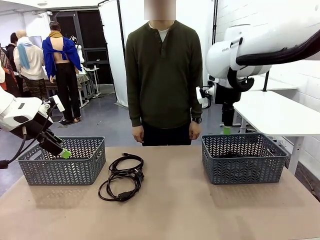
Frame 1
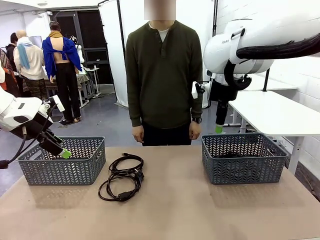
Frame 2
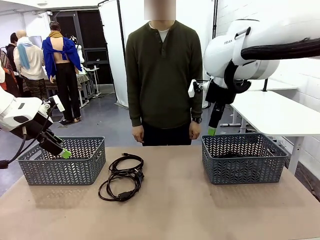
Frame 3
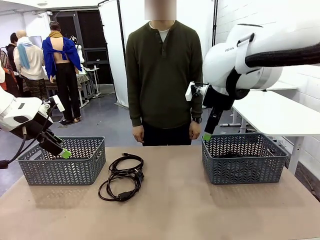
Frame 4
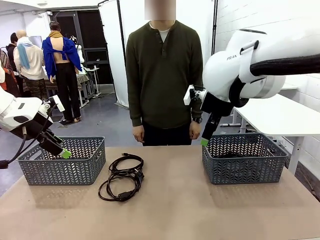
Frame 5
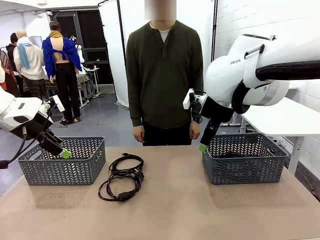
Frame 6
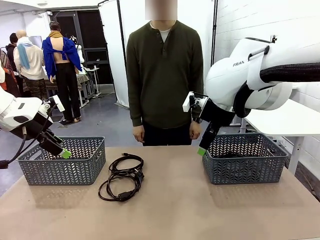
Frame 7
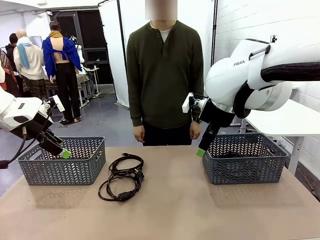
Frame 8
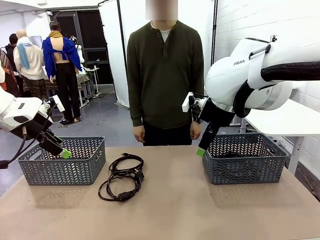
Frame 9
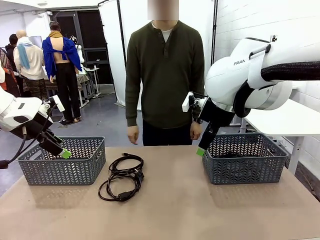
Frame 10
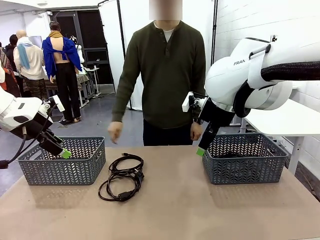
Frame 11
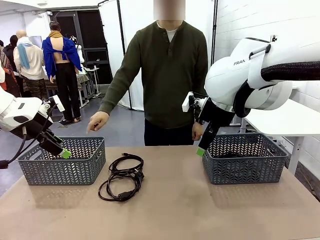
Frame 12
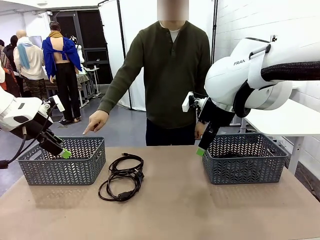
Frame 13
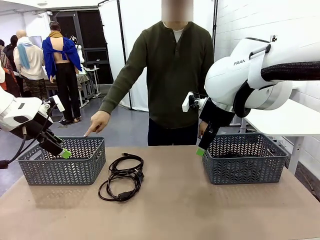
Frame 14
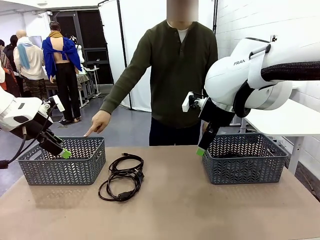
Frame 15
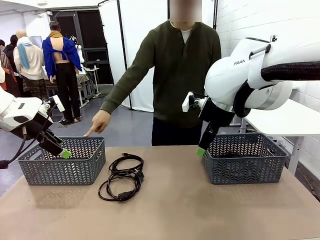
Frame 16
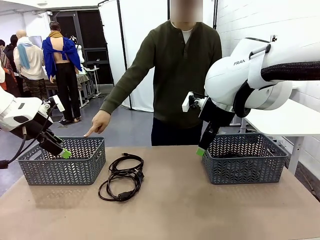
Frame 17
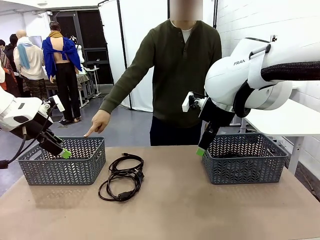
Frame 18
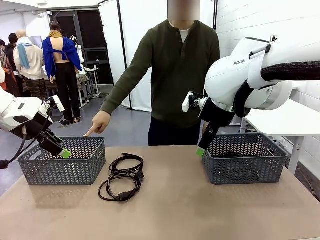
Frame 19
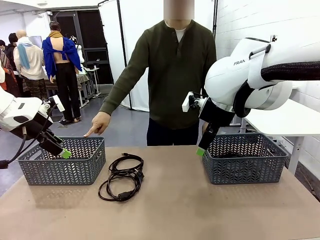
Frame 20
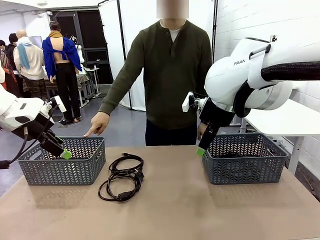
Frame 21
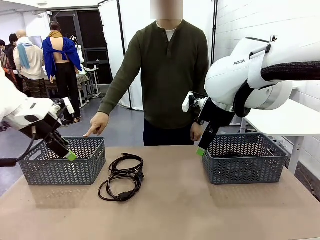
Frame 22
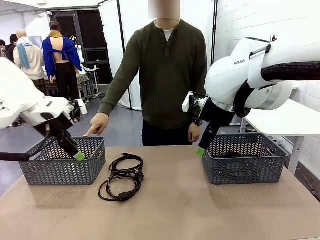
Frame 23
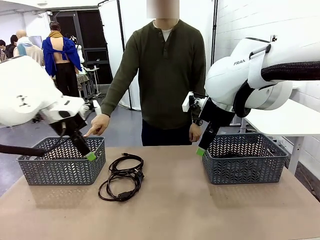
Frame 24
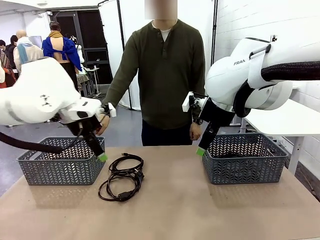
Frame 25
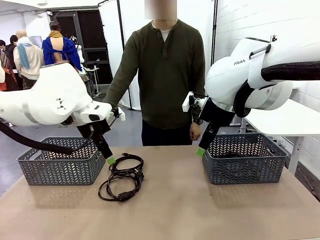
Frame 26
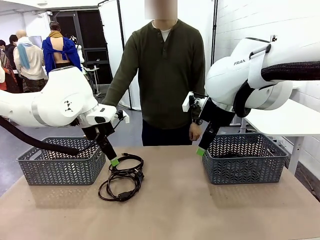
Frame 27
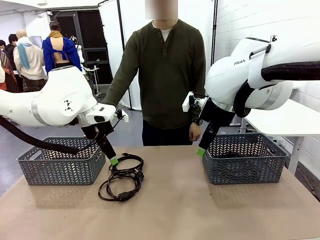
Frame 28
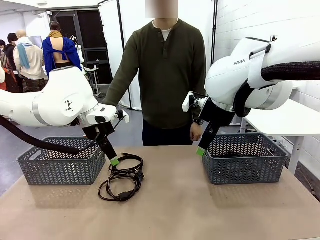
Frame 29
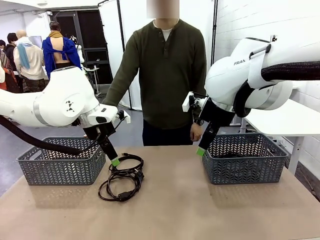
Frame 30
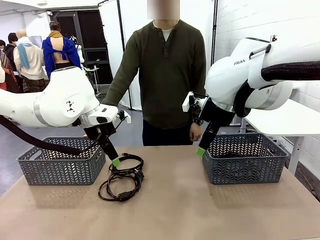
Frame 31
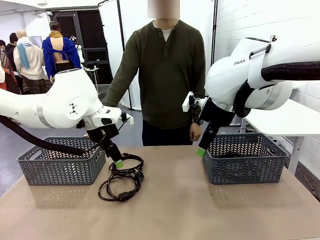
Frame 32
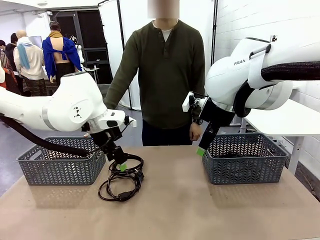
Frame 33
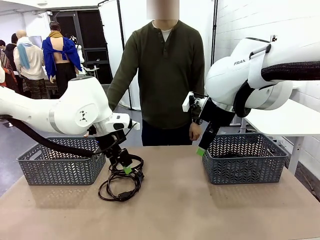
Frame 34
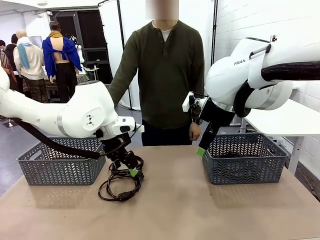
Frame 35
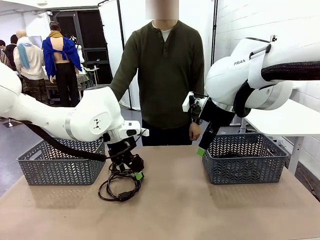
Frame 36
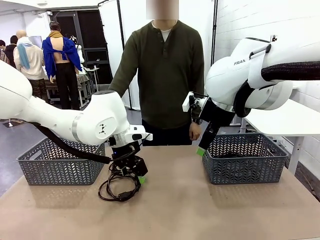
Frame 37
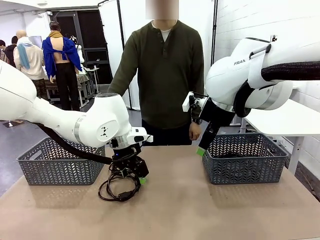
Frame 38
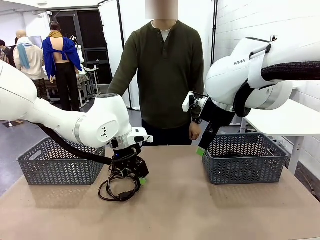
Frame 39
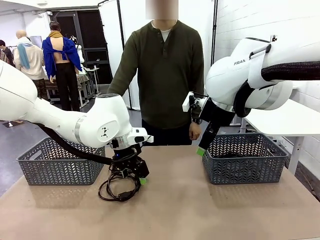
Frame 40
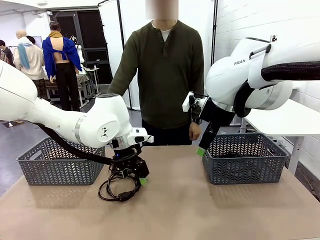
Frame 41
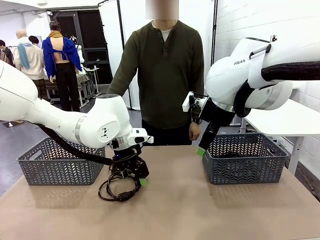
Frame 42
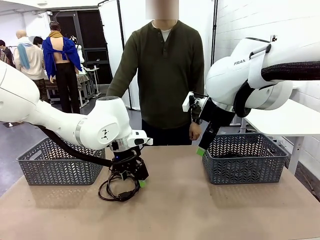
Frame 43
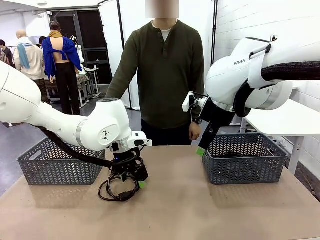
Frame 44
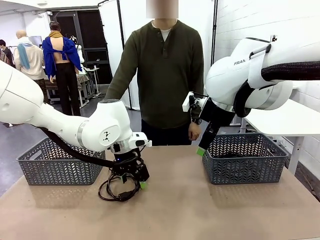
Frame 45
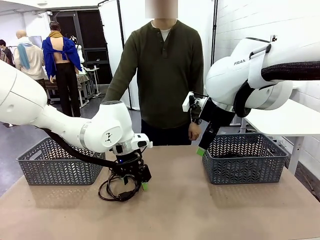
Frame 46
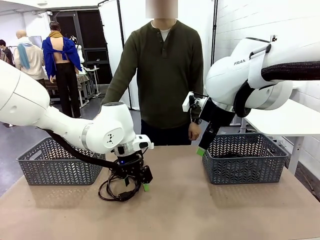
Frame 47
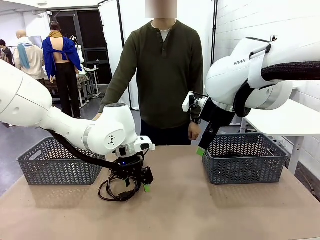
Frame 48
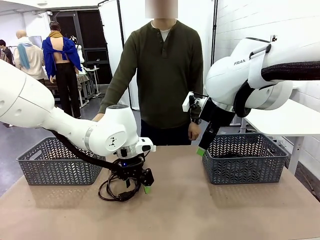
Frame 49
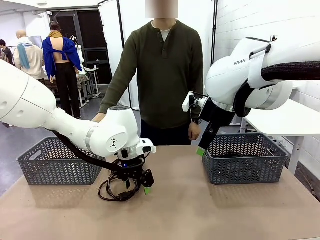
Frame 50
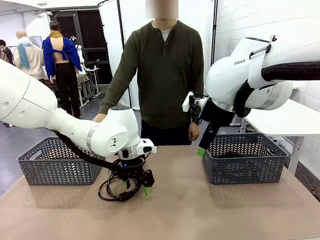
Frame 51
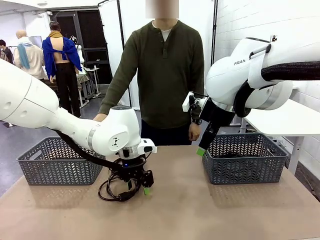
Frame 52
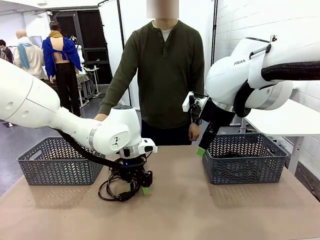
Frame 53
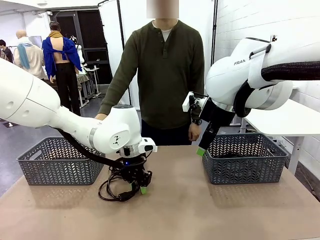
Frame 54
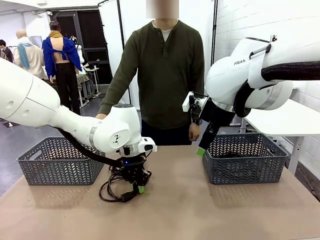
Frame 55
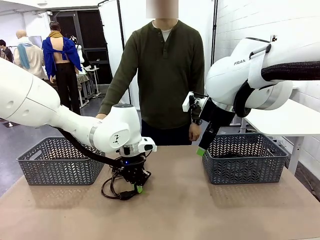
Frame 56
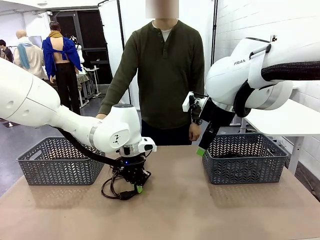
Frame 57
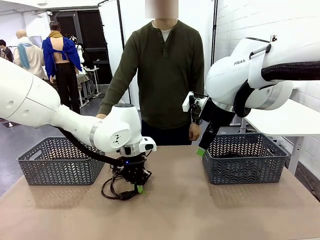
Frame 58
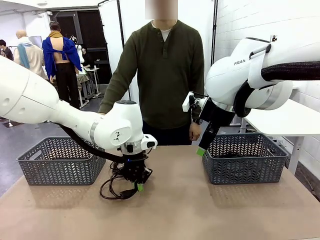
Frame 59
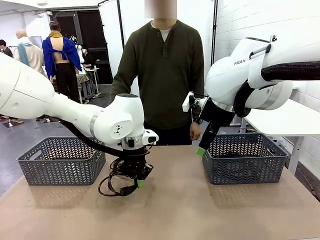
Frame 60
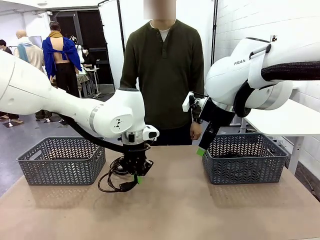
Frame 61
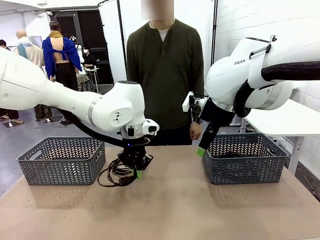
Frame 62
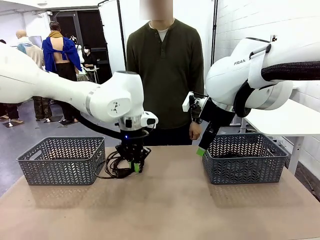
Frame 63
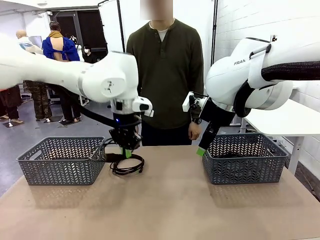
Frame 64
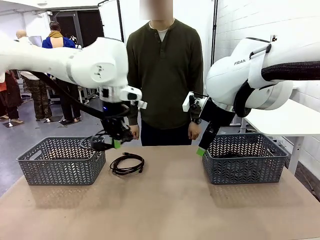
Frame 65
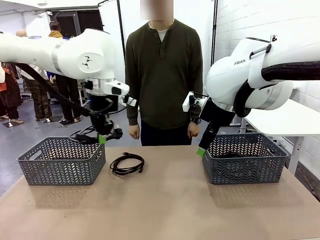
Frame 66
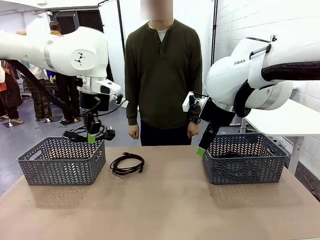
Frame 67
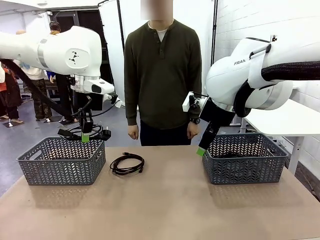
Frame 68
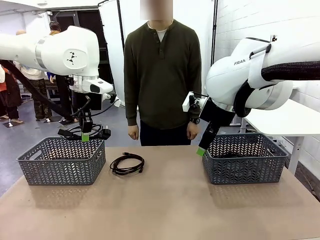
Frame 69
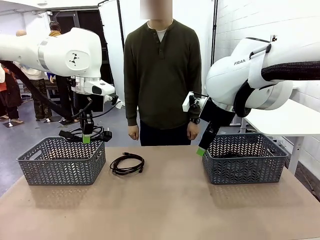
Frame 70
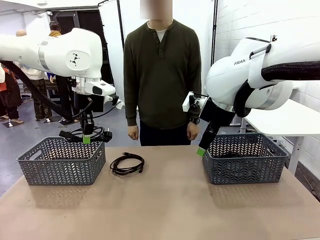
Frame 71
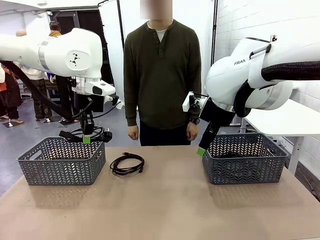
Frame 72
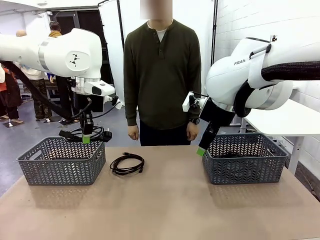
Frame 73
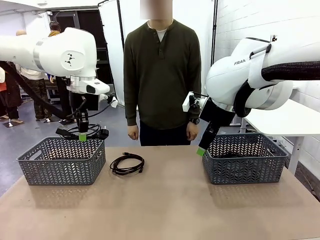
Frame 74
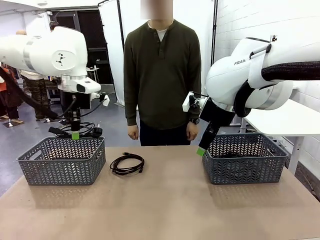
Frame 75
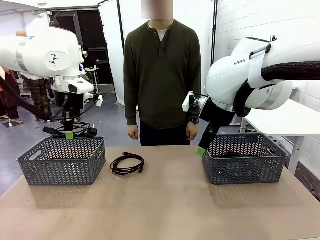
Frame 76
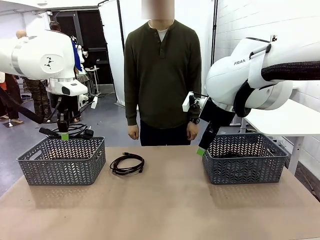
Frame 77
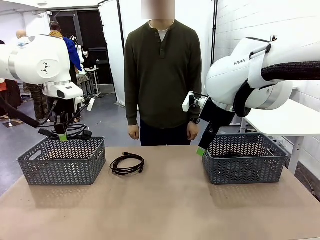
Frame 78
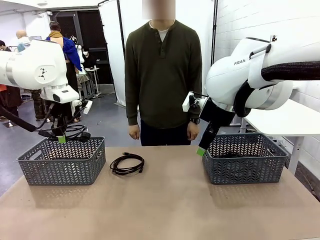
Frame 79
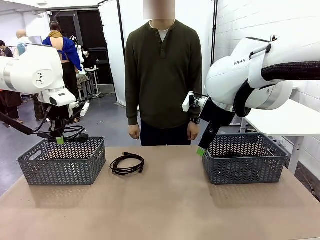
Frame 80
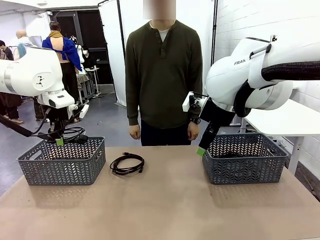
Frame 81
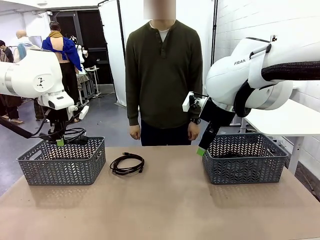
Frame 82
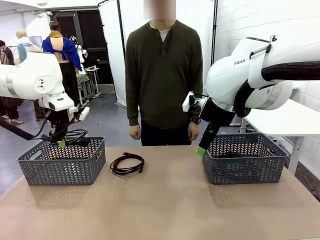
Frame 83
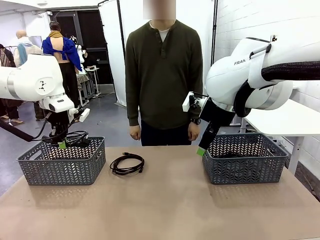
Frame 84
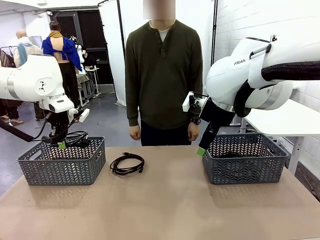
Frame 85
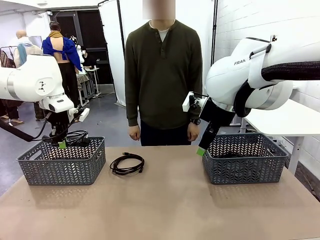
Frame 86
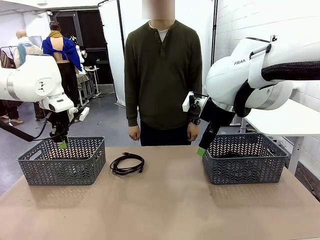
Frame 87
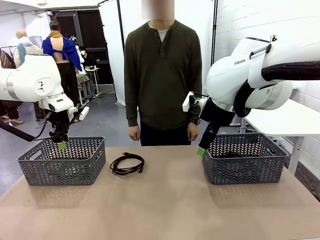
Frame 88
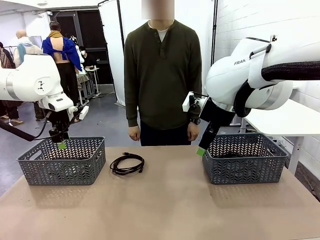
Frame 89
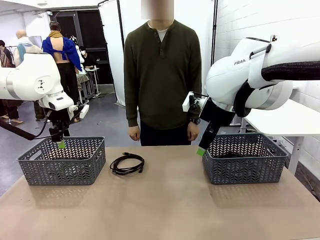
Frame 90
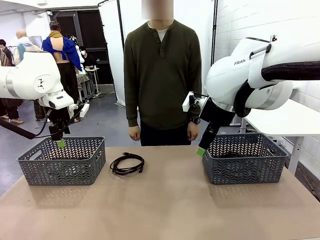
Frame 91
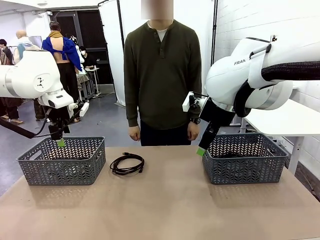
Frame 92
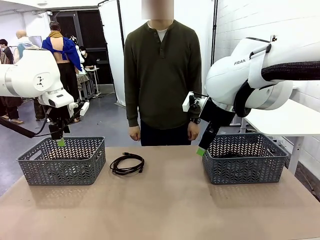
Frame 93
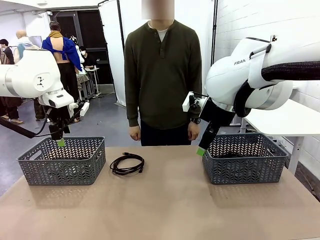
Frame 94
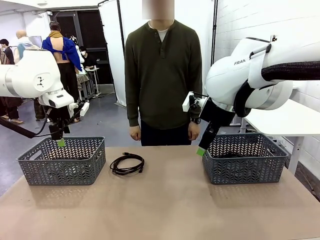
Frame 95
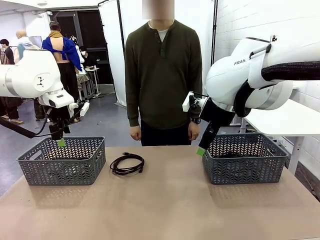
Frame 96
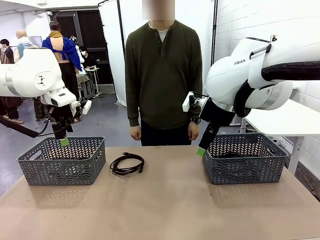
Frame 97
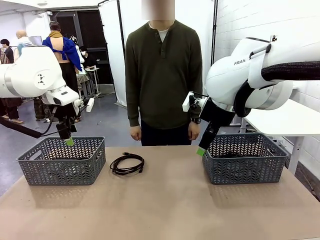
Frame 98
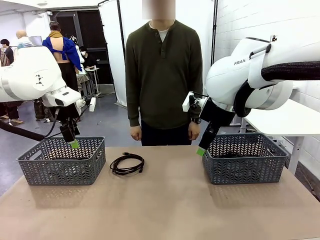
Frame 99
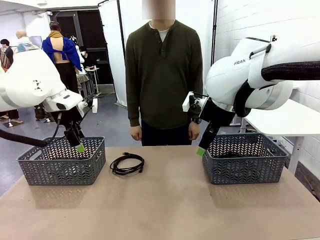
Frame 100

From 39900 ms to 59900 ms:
Task: Organize the cables according to human instructions.
Robot: Pick up a bundle of cables and place it in the basket indicated by the human.
